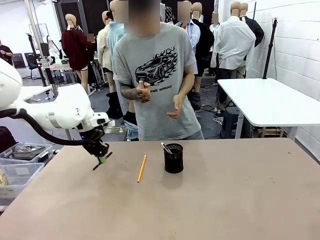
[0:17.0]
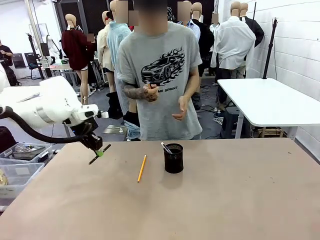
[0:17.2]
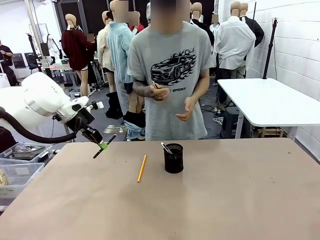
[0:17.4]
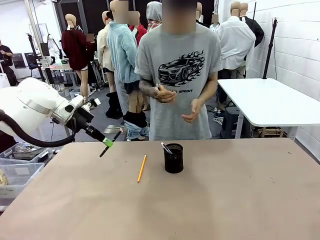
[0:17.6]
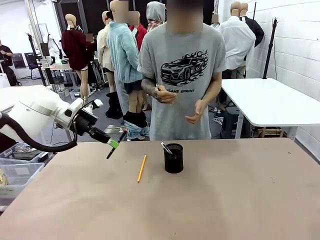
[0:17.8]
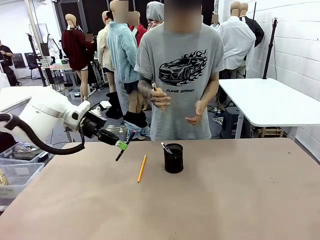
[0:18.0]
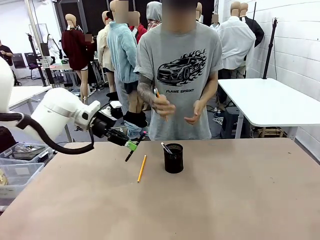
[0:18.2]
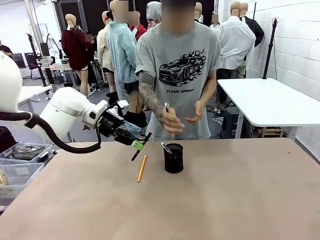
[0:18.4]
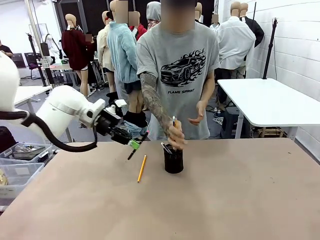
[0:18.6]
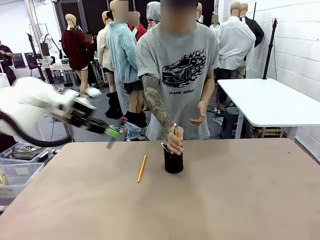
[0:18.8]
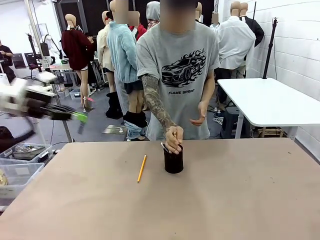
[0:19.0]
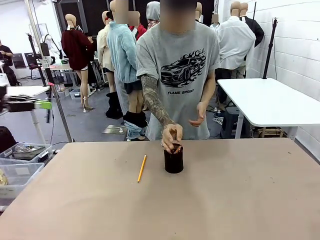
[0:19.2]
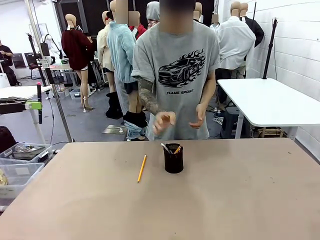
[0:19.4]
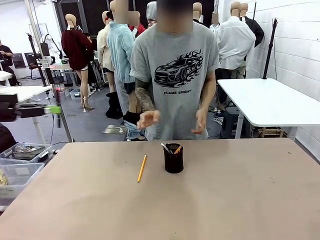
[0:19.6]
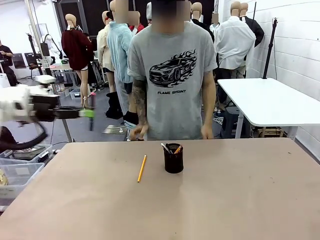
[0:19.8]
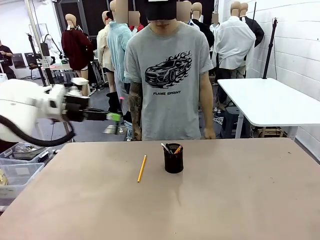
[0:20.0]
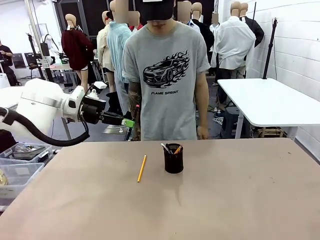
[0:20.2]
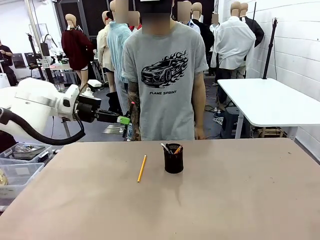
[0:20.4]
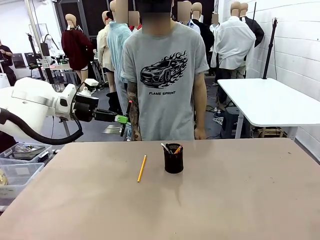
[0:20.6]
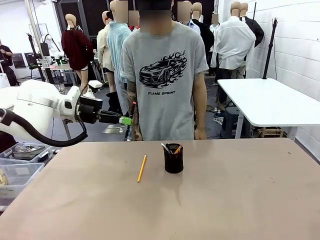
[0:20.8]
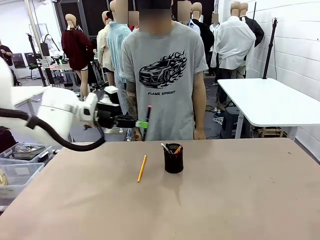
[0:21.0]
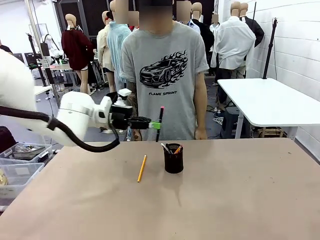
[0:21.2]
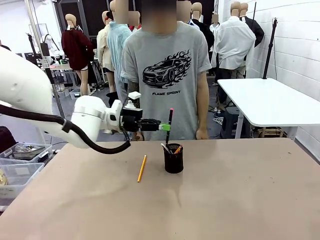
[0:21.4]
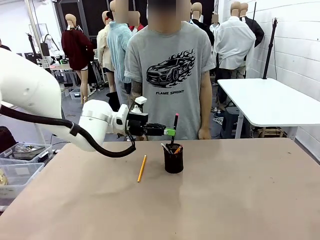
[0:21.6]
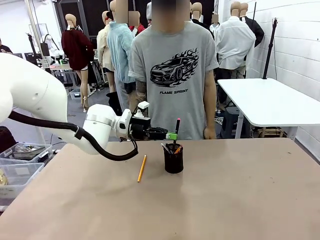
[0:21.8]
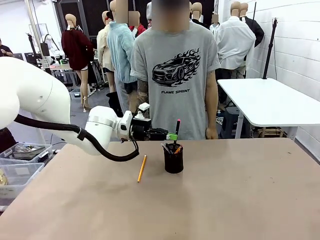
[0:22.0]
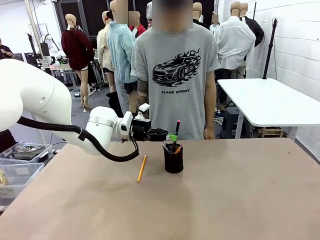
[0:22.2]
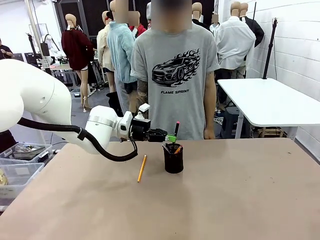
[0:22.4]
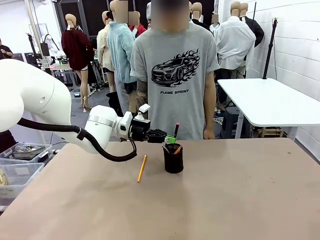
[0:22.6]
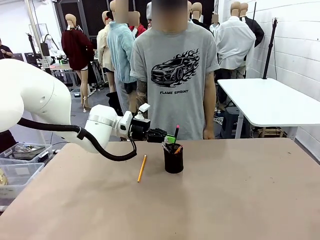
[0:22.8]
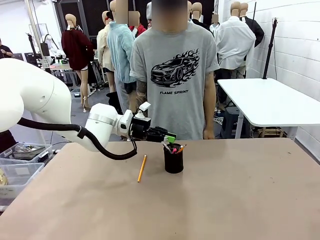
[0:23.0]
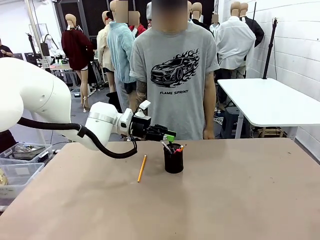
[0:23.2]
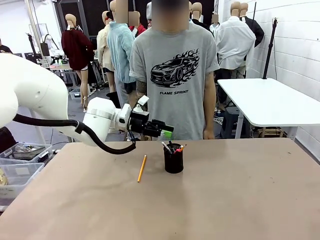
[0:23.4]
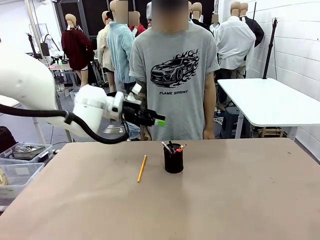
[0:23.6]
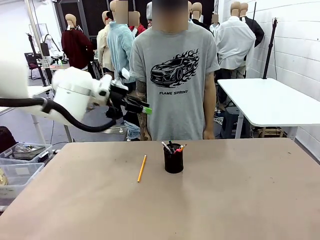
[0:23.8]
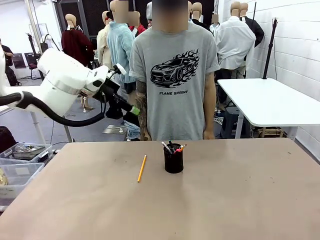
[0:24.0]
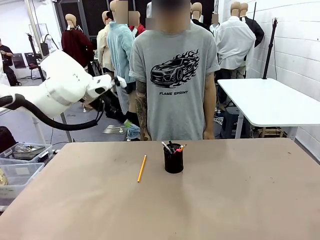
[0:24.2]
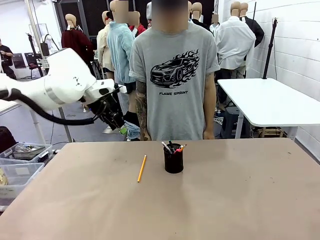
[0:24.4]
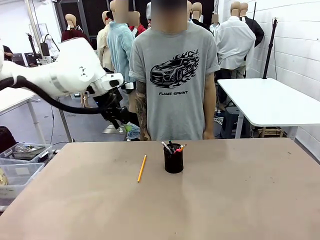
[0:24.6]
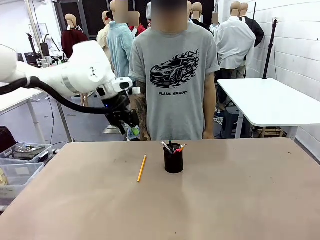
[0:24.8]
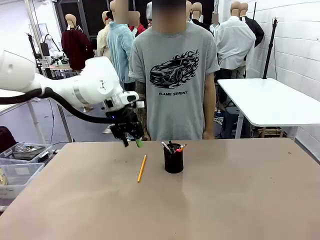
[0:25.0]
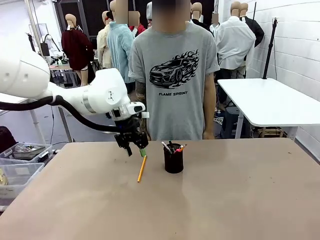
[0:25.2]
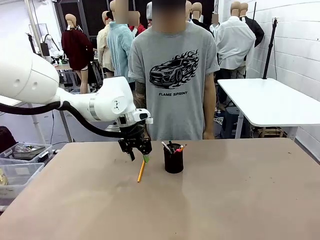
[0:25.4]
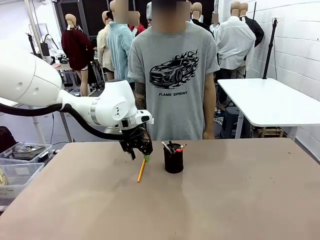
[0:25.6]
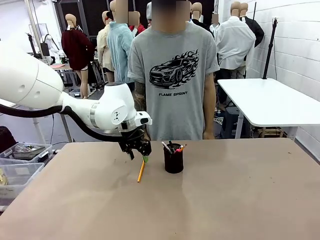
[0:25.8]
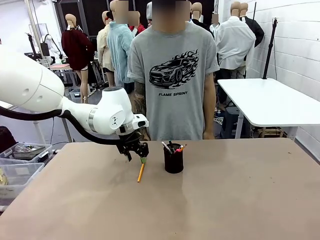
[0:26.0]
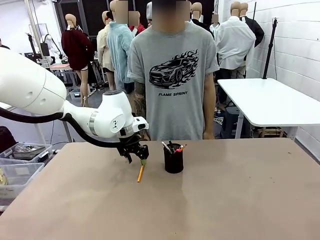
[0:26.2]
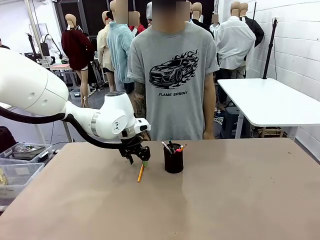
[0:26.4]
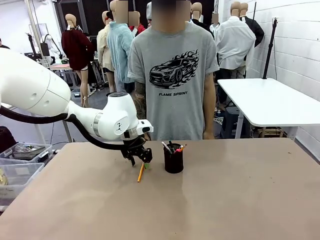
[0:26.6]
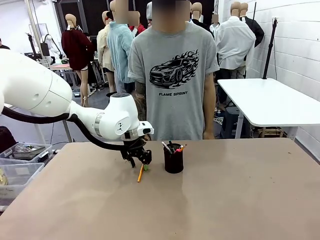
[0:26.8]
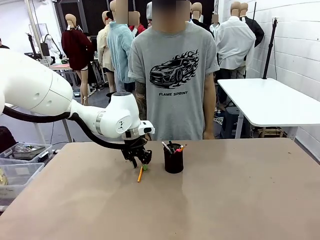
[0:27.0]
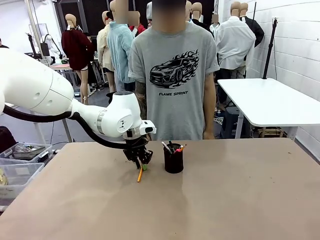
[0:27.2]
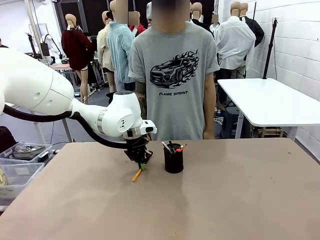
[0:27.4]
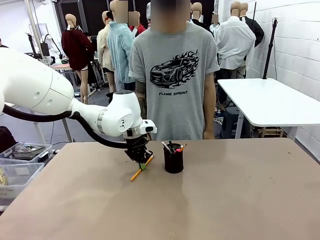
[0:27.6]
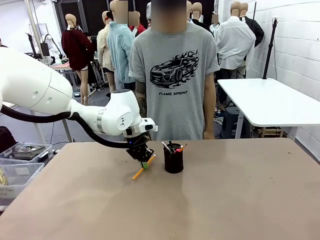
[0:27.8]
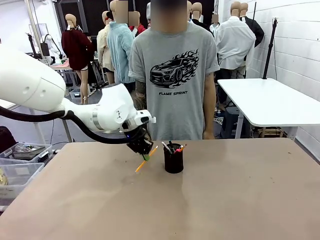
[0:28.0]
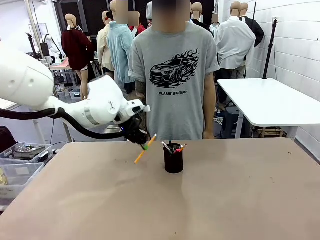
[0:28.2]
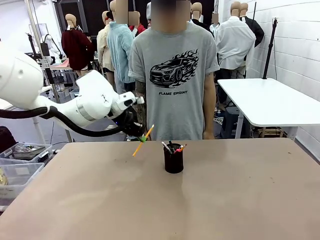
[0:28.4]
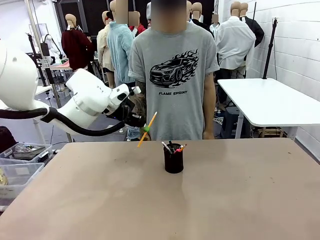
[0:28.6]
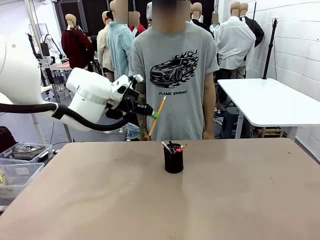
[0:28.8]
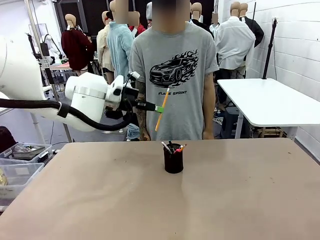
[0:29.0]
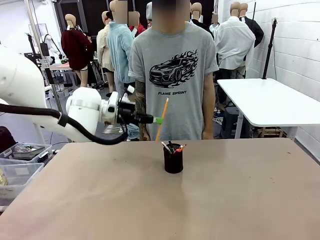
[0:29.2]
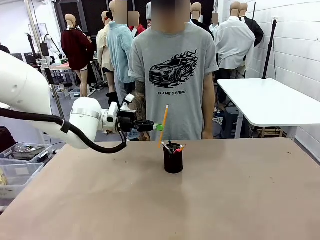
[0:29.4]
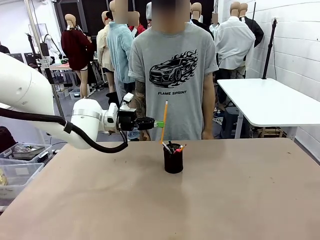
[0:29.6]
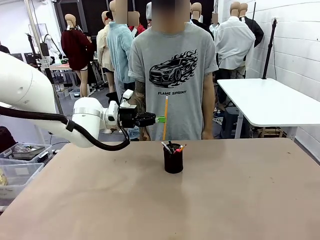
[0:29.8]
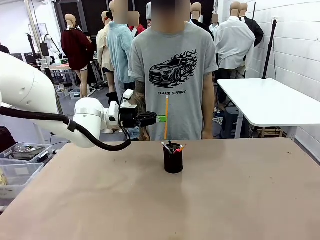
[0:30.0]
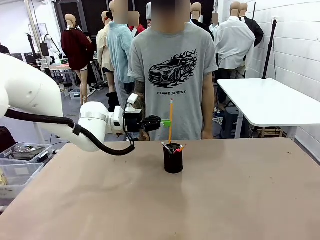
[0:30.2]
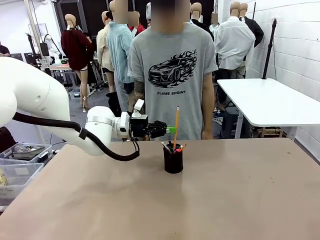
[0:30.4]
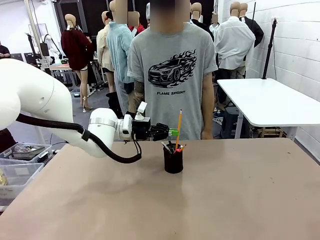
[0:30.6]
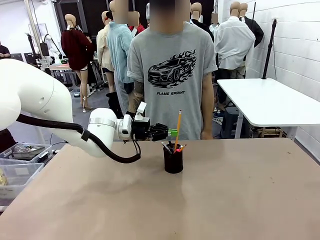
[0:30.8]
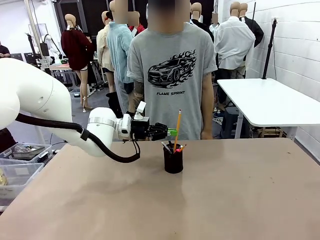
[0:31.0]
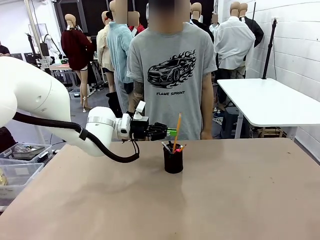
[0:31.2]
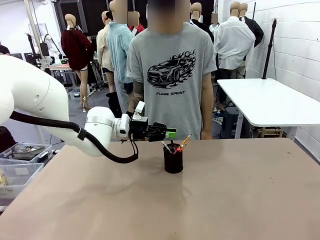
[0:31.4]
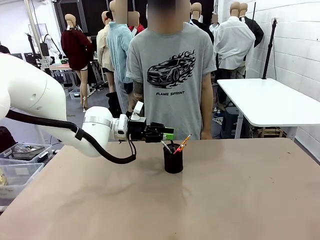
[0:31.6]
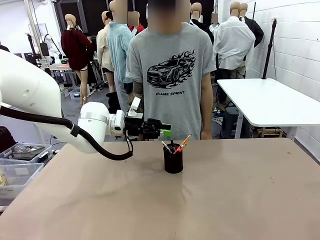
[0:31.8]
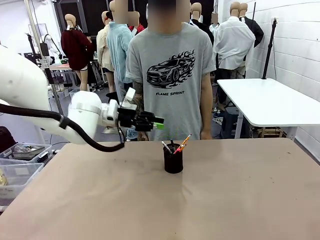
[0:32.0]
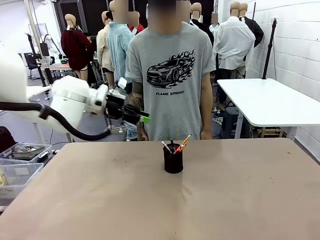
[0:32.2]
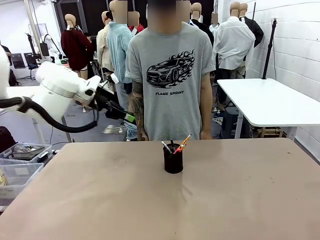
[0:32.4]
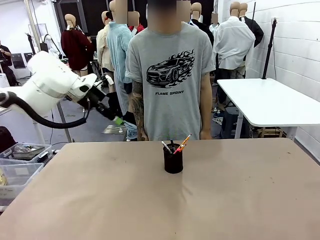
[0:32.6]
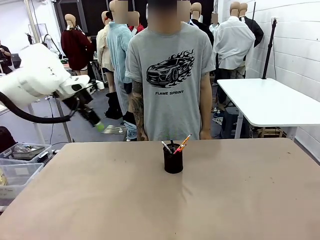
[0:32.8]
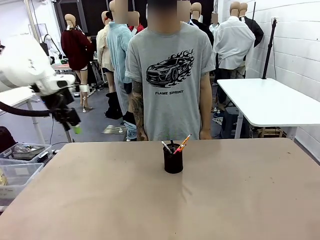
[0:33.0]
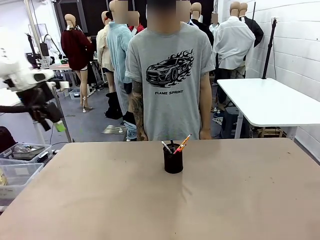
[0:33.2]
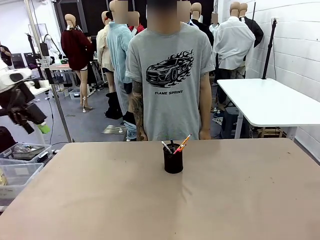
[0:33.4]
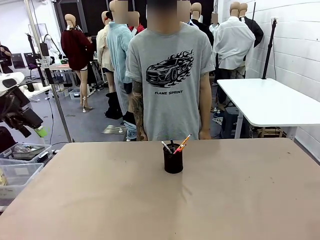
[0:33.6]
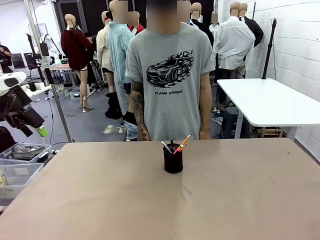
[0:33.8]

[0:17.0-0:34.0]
Task: Place the pens into the pen holder.
Robot: Pick up a writing instrument from the table and place it into the Pen holder.
Person: Place all writing instrument into the Pen holder.
